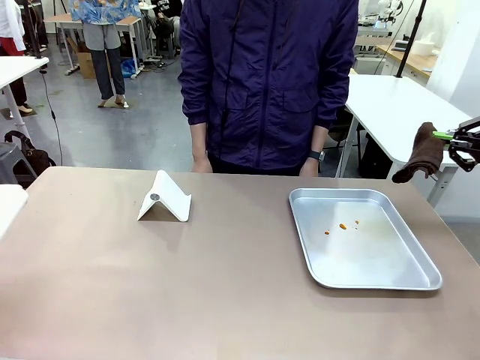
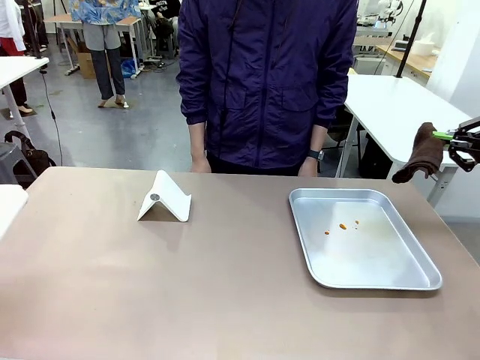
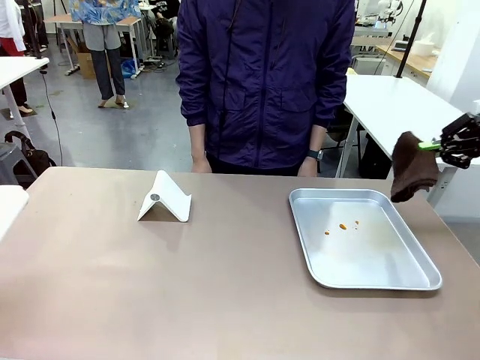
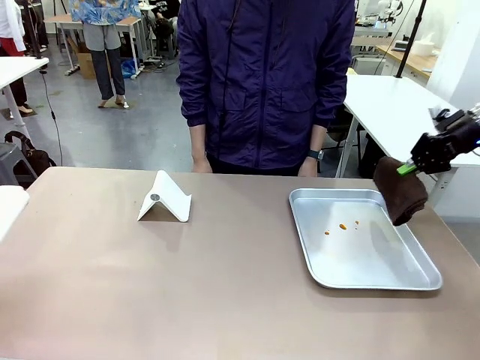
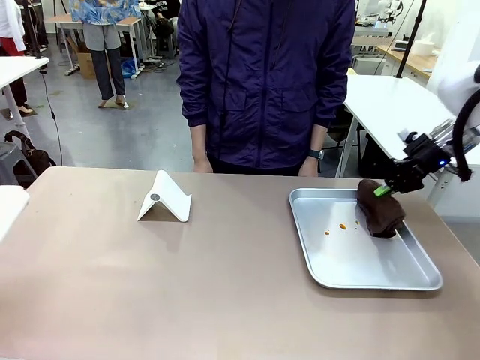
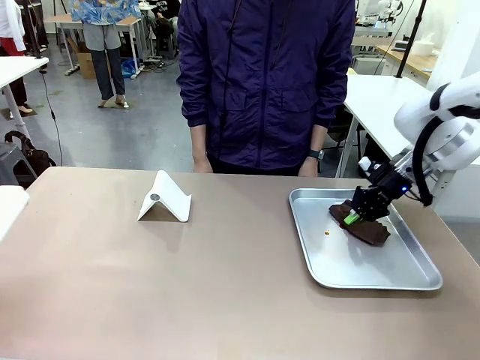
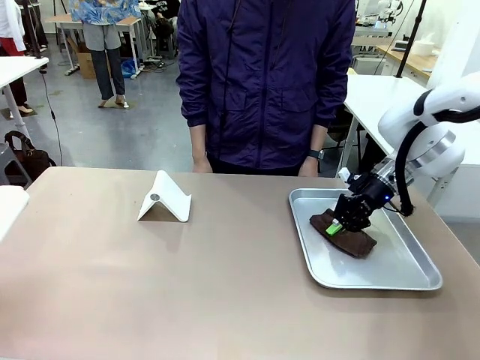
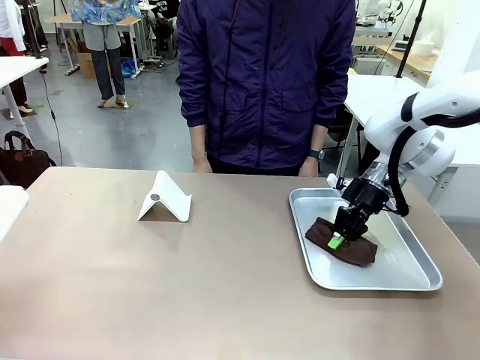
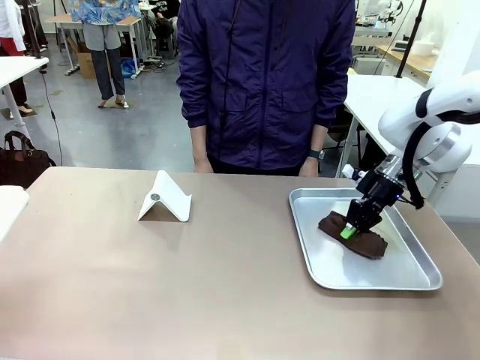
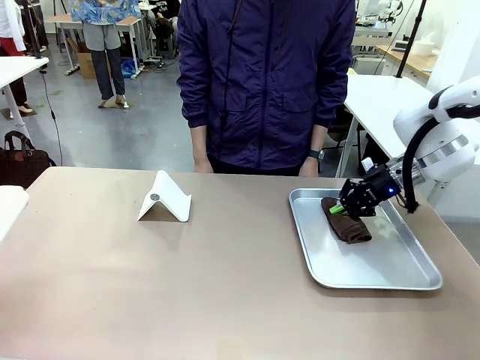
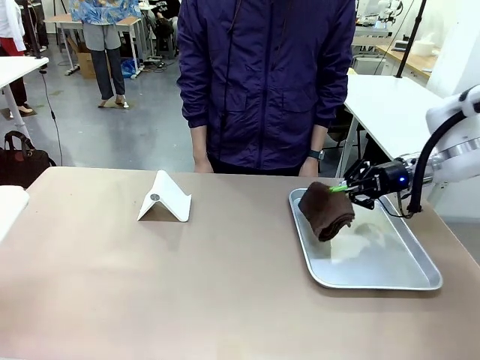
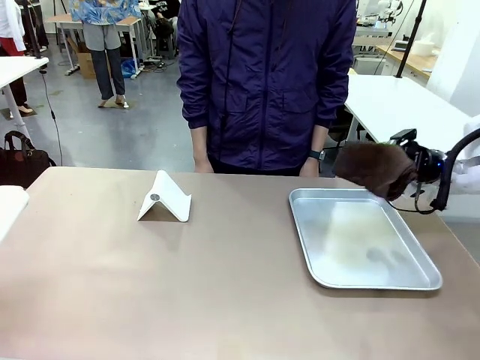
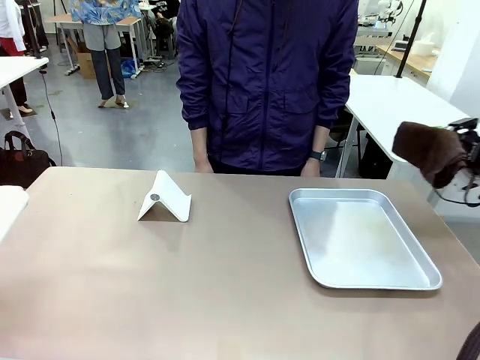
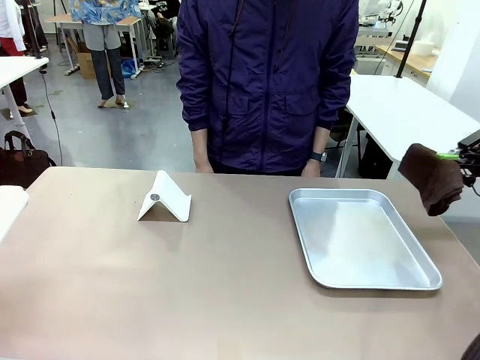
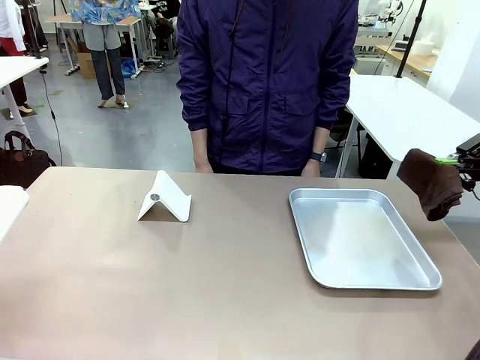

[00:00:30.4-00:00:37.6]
Task: Clean the surface of the table.
Robot: Clean the area not pointed to by the person.

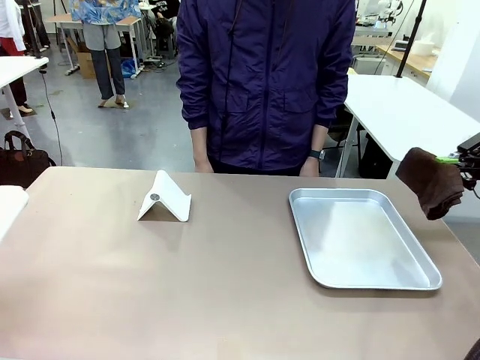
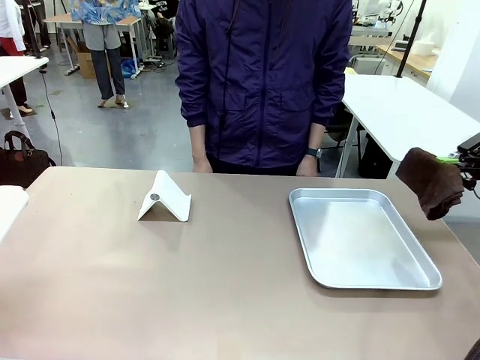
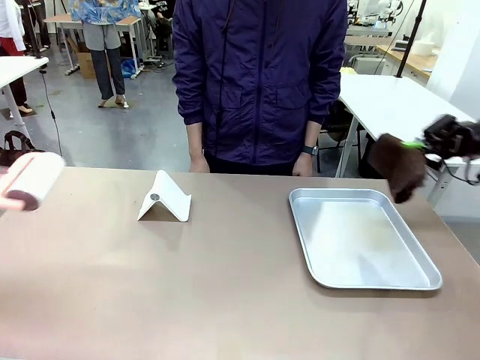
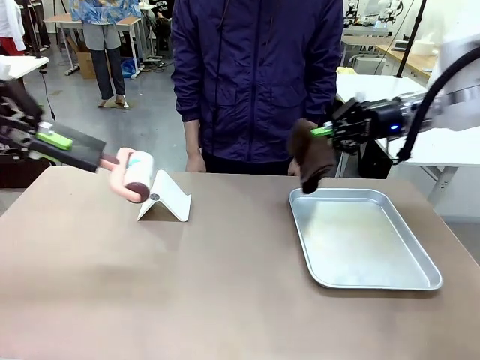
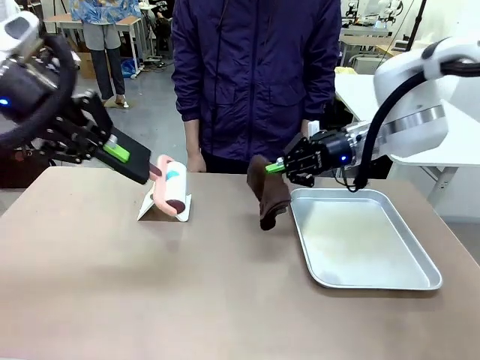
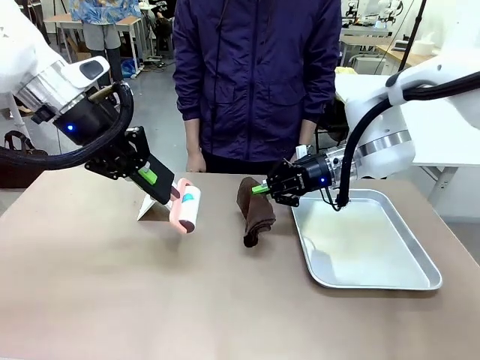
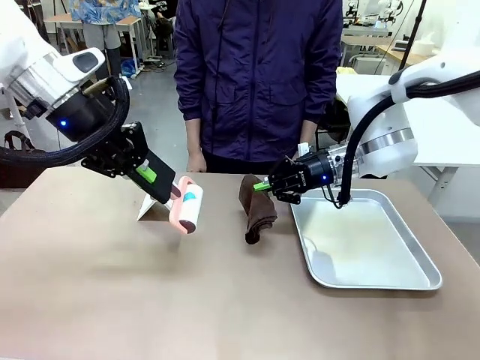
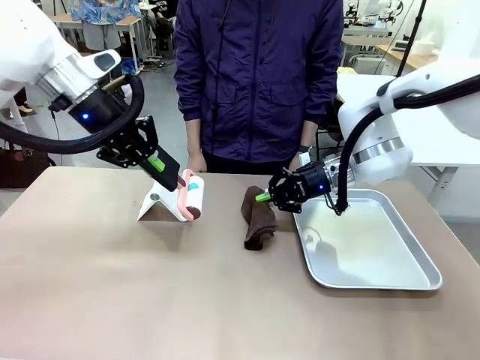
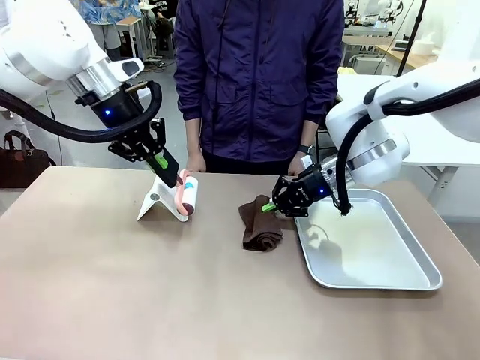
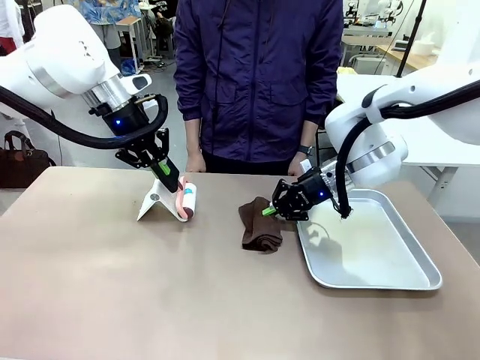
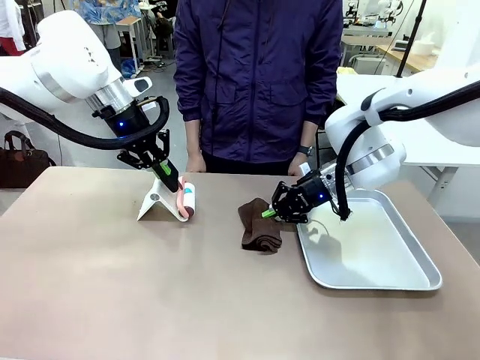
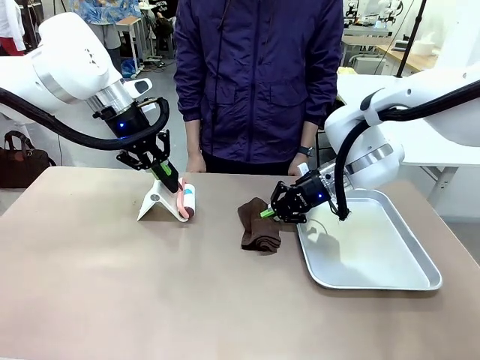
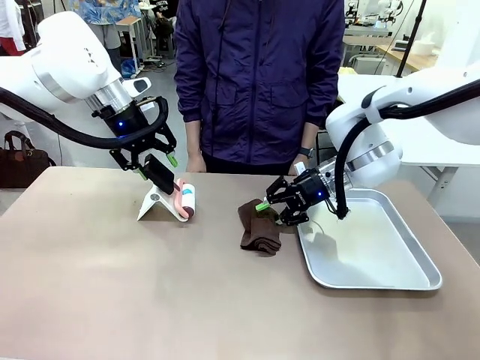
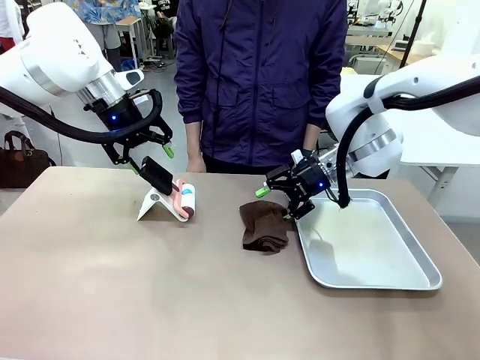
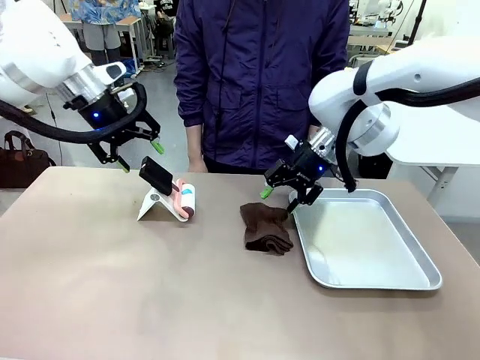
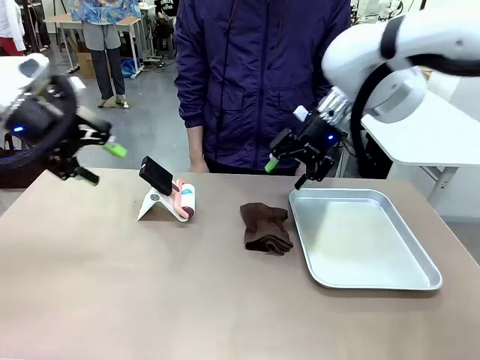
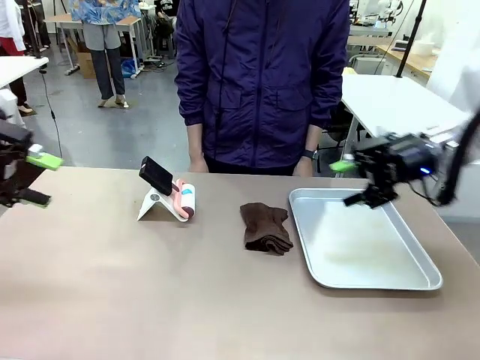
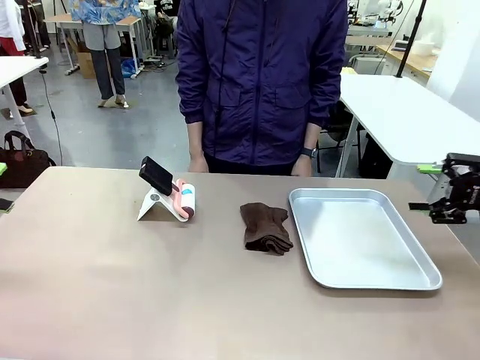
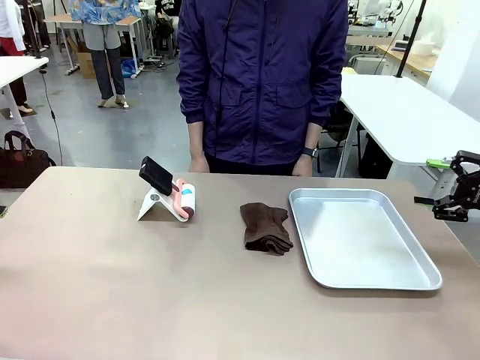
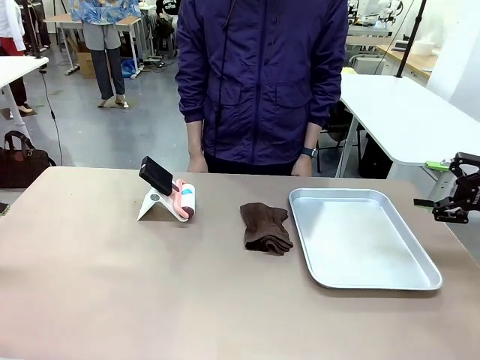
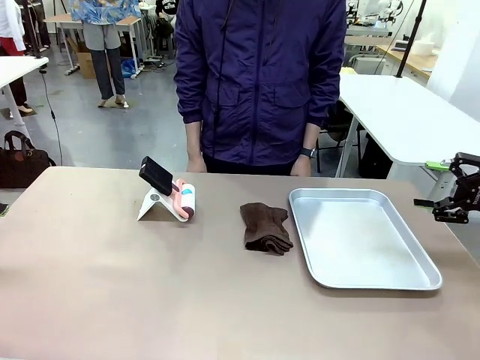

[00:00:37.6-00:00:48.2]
Robot: Return the Lint Roller and towel to their original positions.

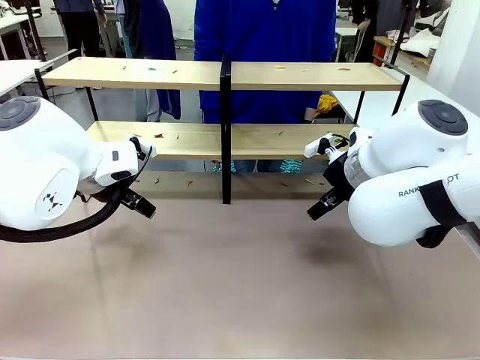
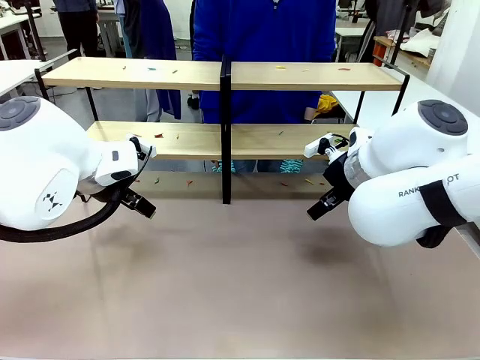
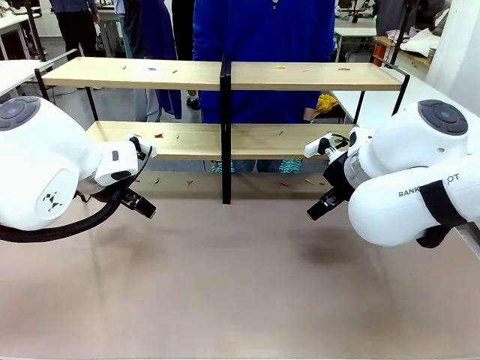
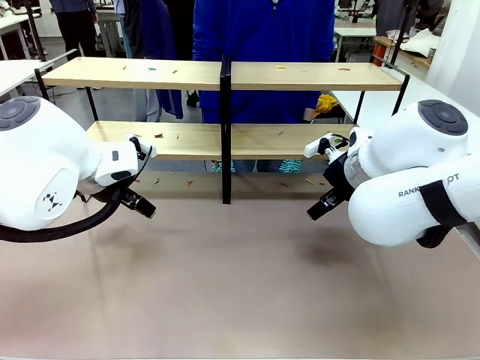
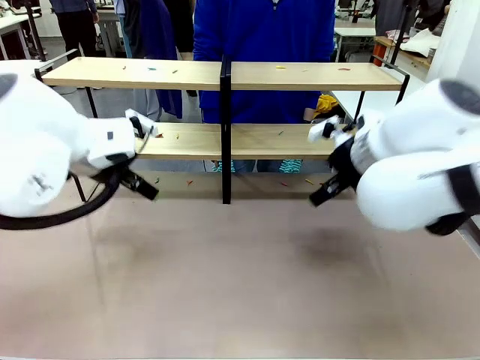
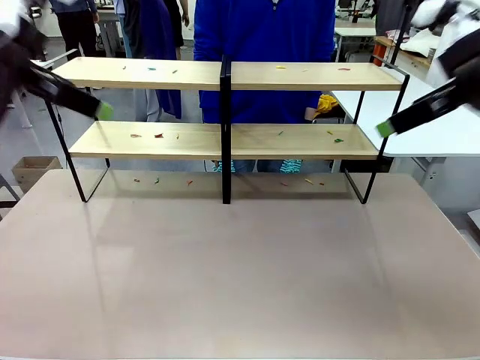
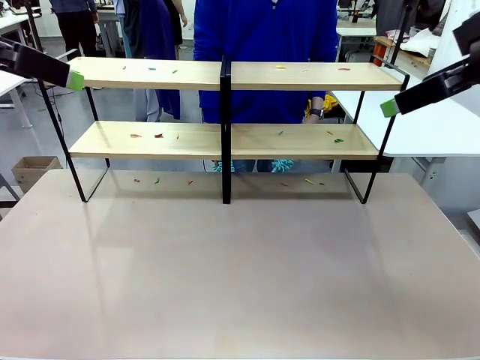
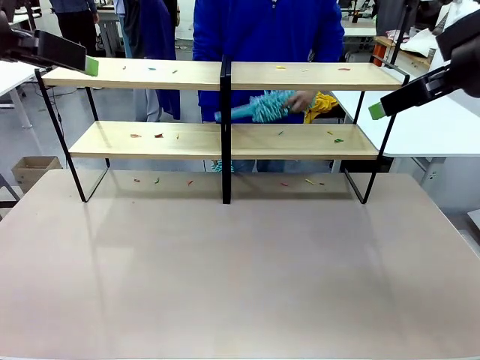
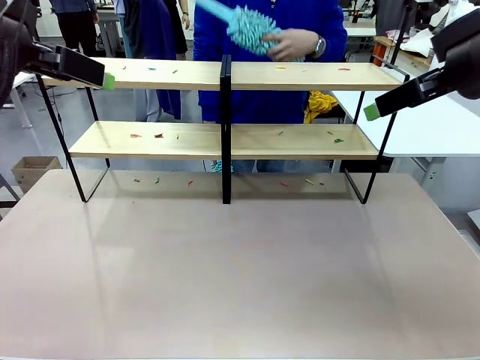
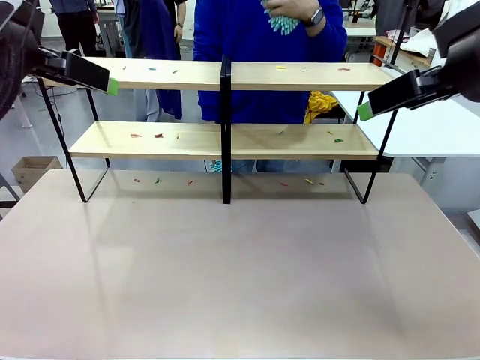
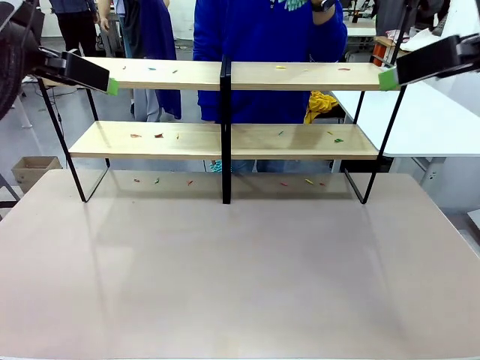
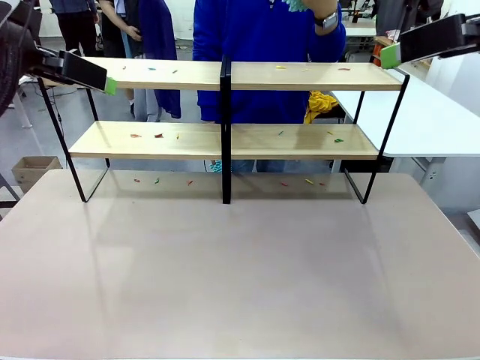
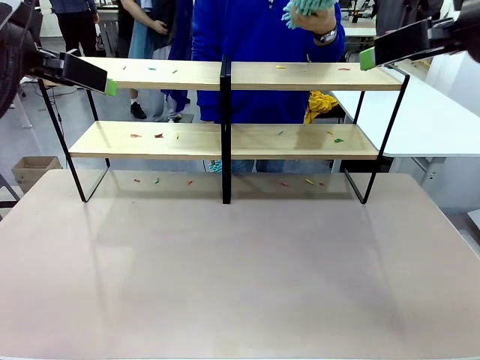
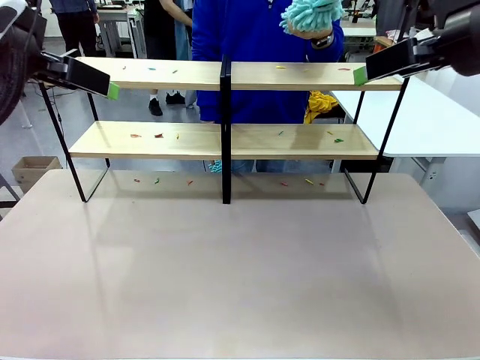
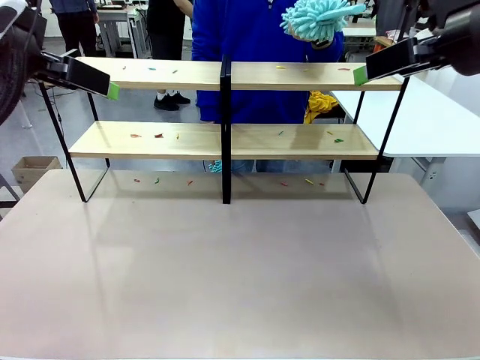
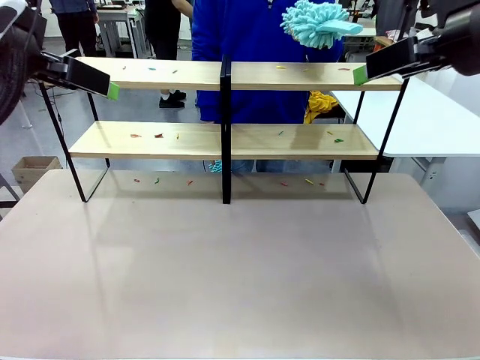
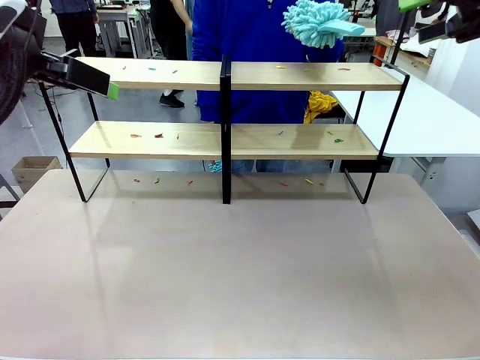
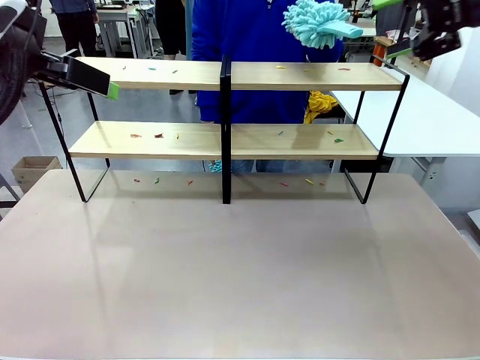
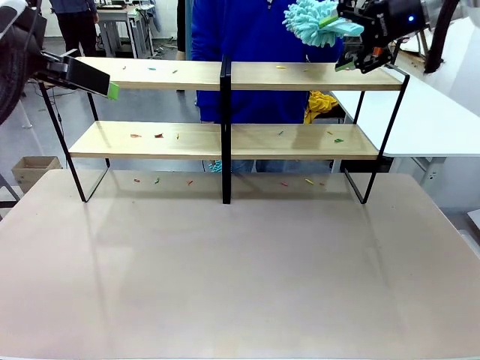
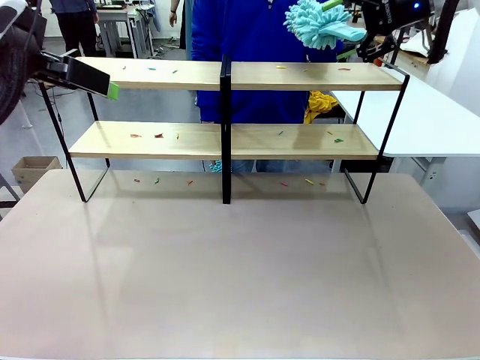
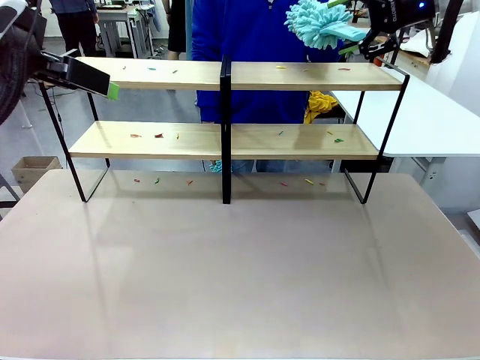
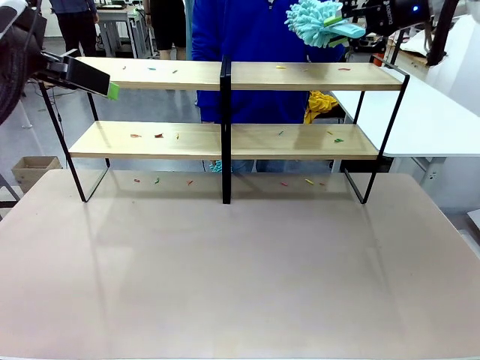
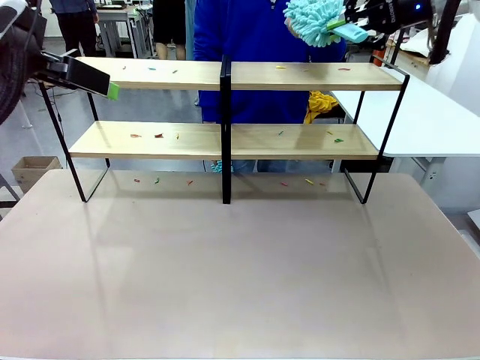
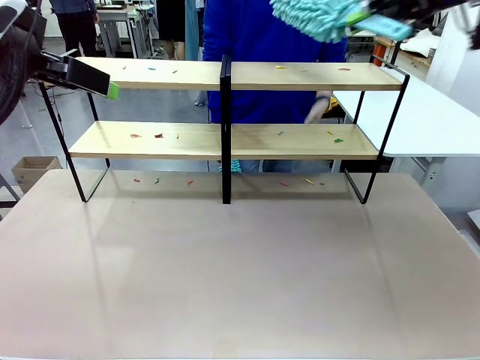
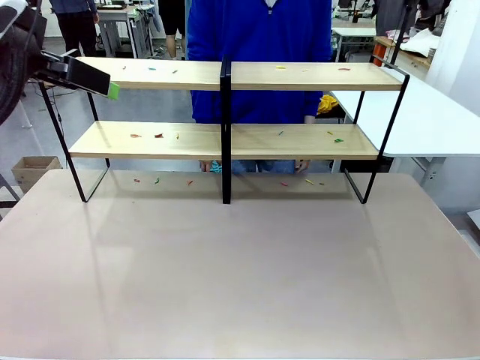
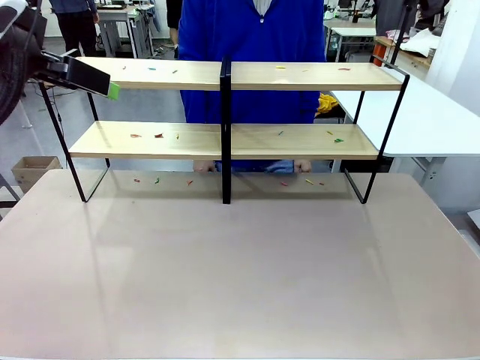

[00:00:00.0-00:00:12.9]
Task: Clean the shelves.
Robot: Pick up the Duster when the human hands it over.
Person: Hand the Duster to the robot with your right (or left) hand.
